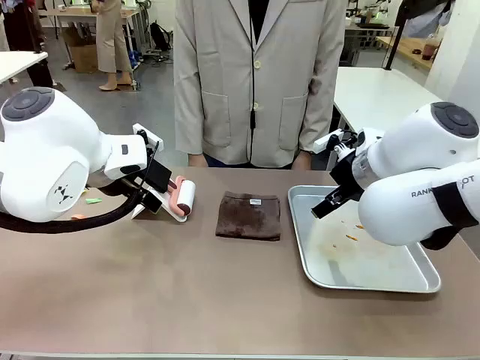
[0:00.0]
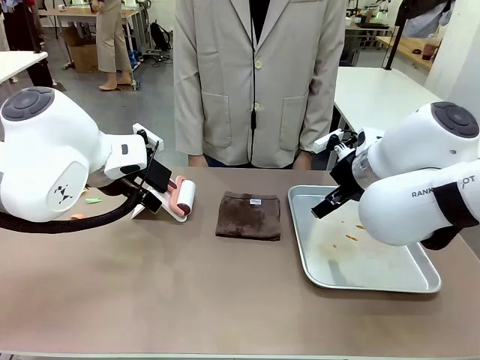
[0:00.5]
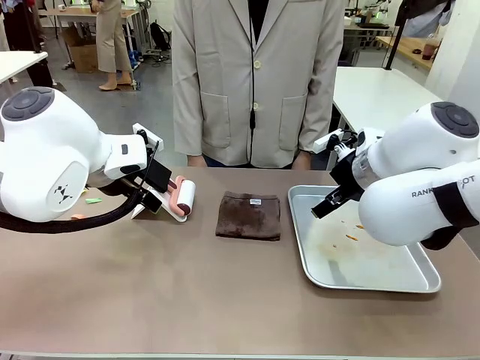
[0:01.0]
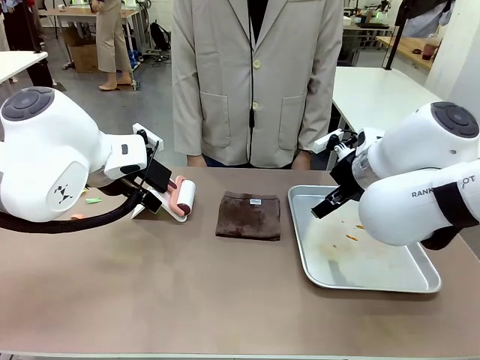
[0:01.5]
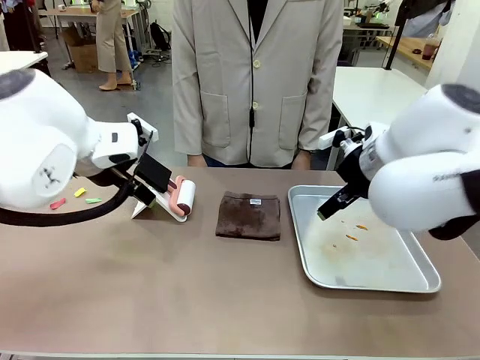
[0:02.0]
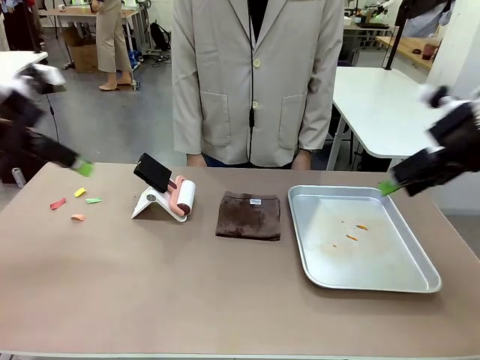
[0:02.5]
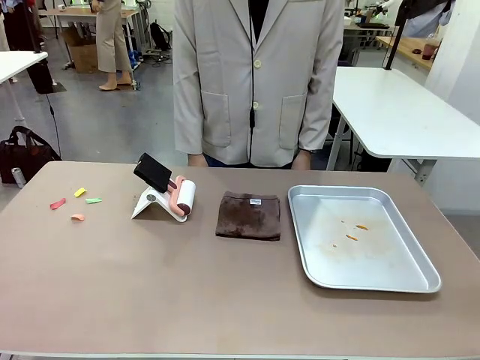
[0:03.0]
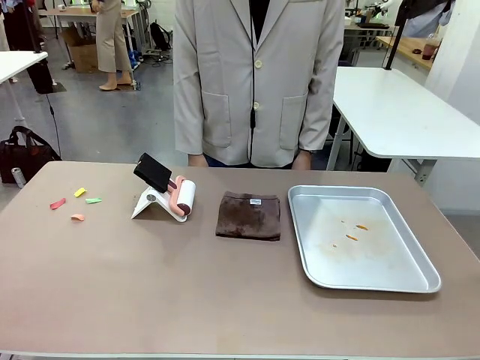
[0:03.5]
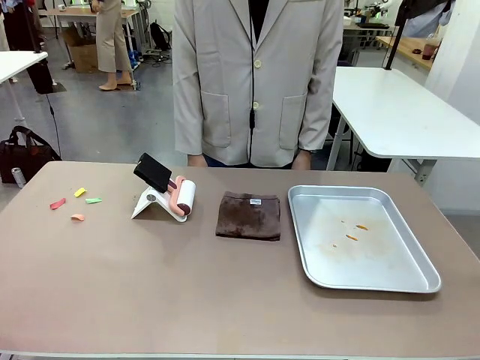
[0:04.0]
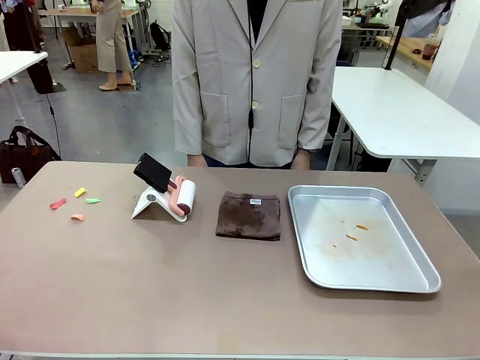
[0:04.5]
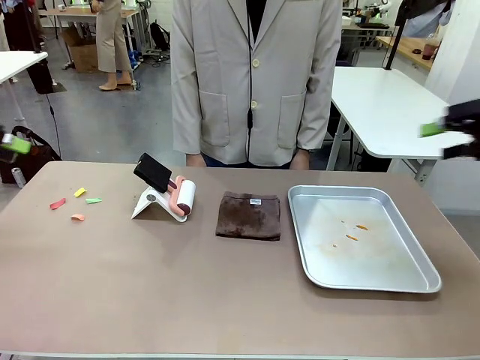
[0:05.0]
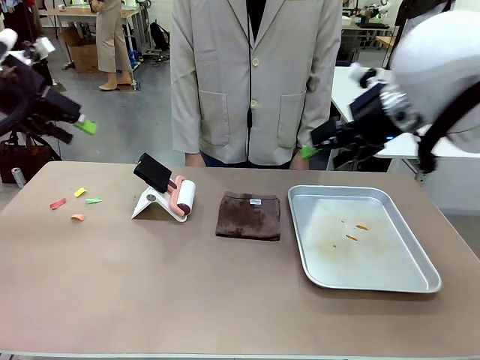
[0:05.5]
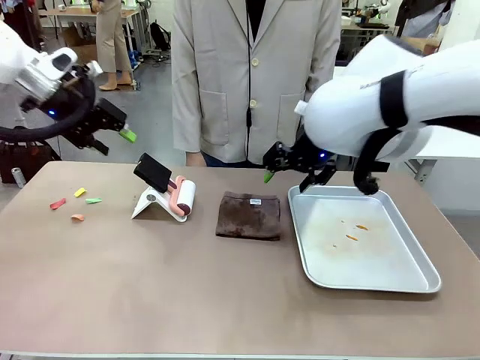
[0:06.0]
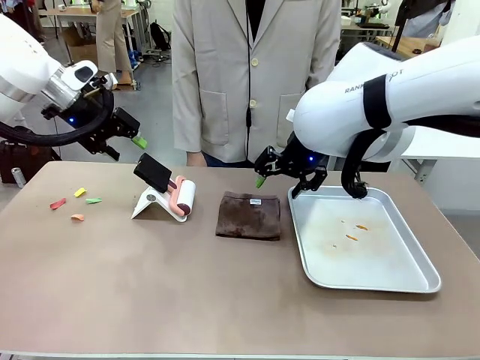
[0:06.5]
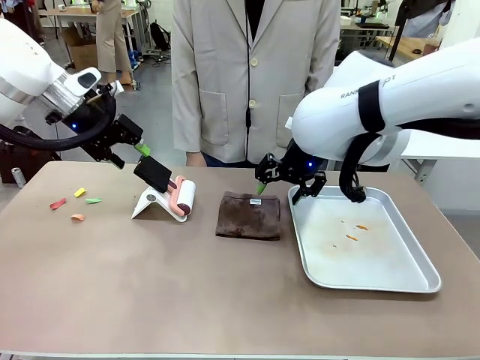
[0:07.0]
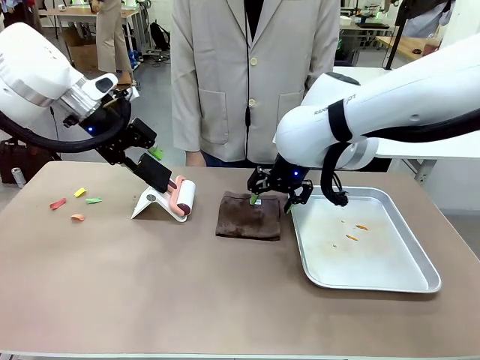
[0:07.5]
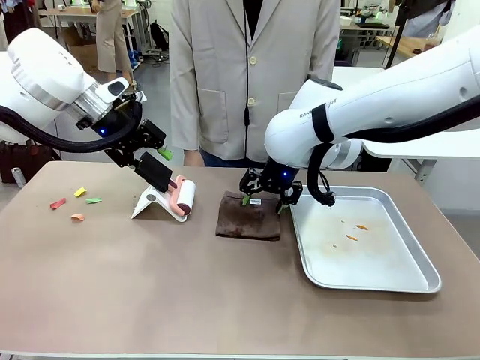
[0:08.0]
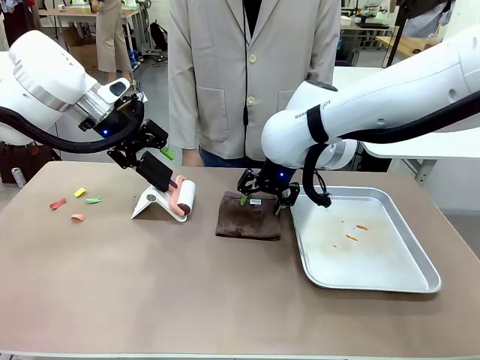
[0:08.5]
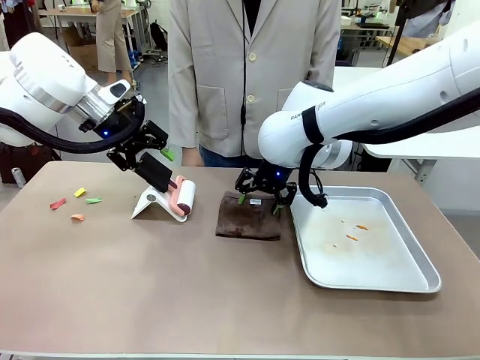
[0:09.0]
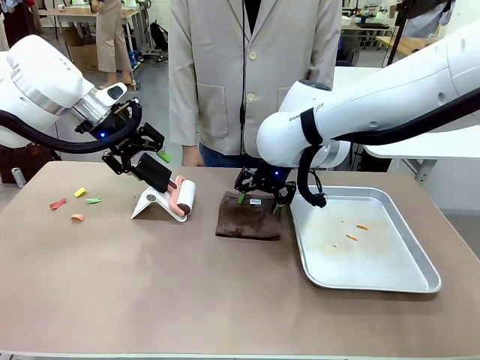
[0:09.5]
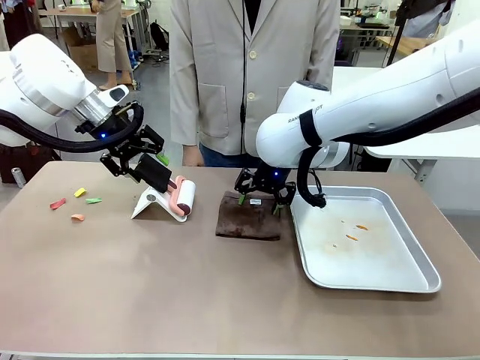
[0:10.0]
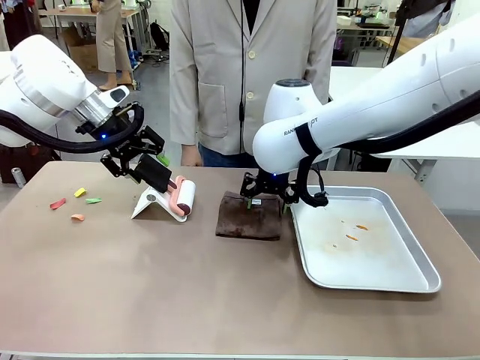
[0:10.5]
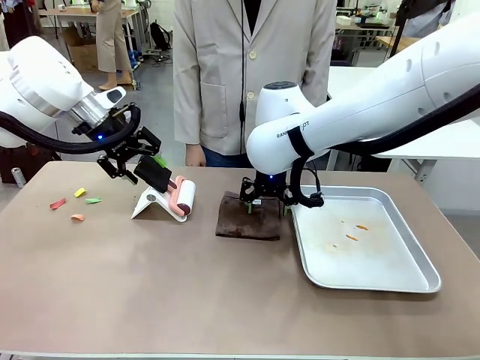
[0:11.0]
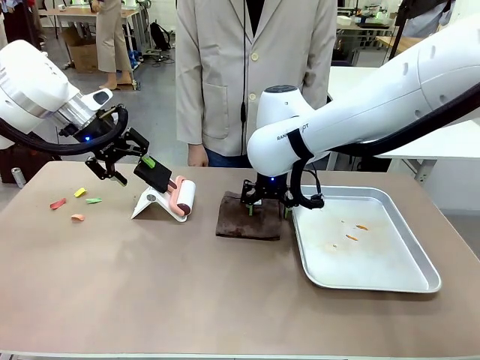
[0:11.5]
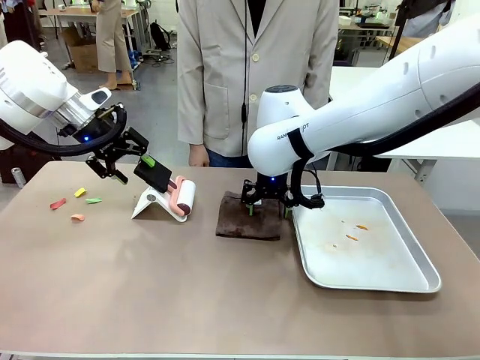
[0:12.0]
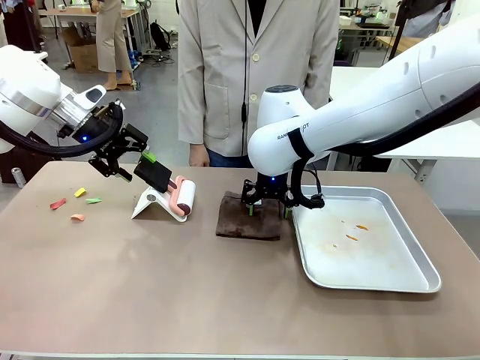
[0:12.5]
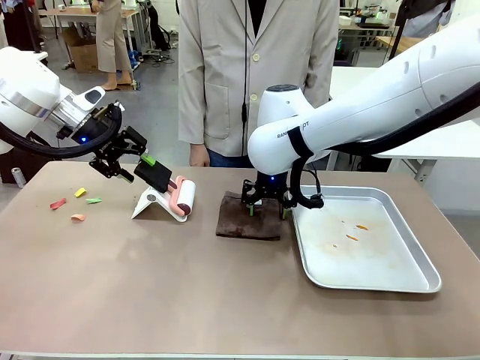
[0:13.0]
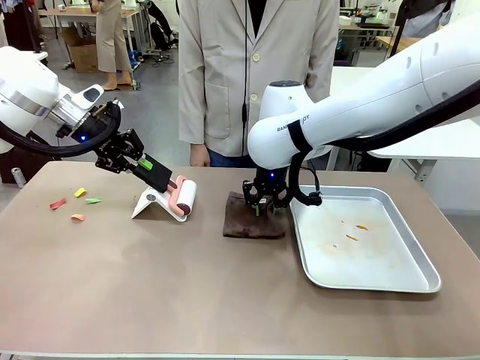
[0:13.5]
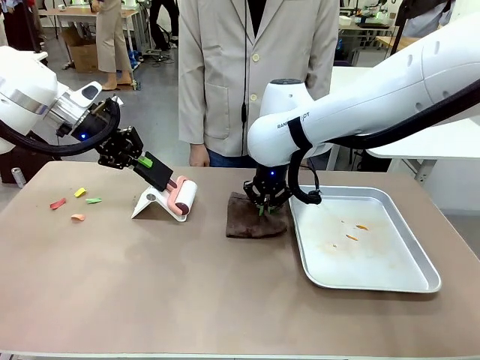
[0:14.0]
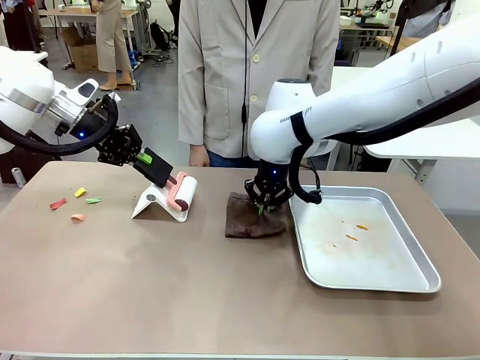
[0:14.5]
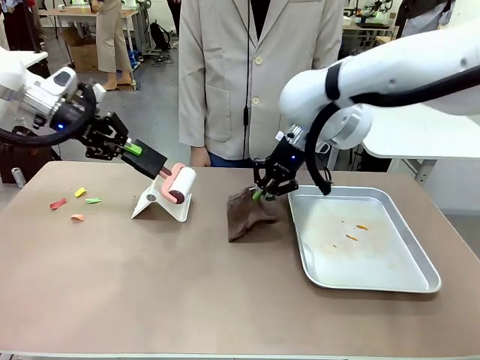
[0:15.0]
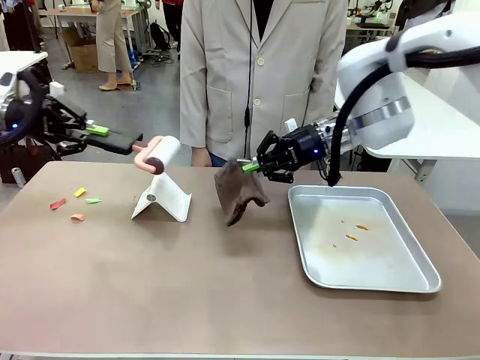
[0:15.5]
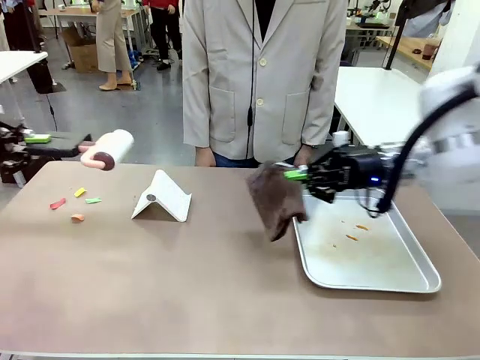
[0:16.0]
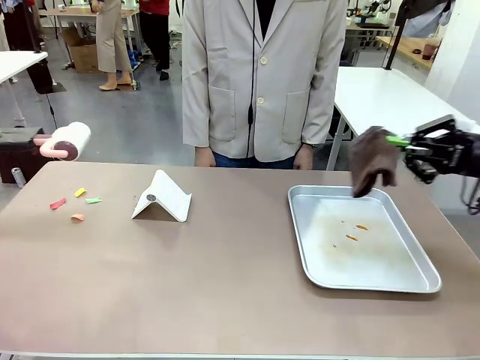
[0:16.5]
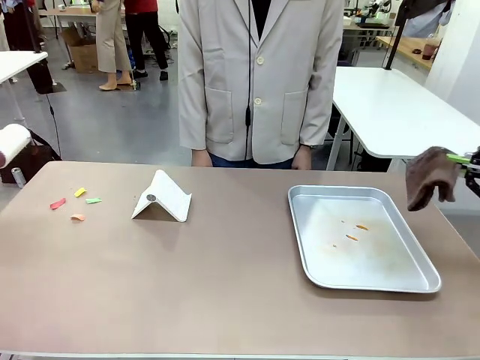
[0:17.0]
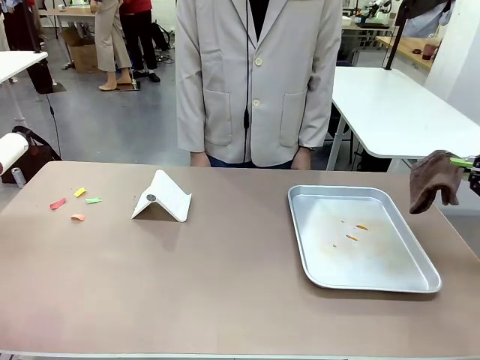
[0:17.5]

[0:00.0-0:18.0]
Task: Clean the surface of the table.
Robot: Hold the Lint Roller with your left hand and the towel with your right hand.

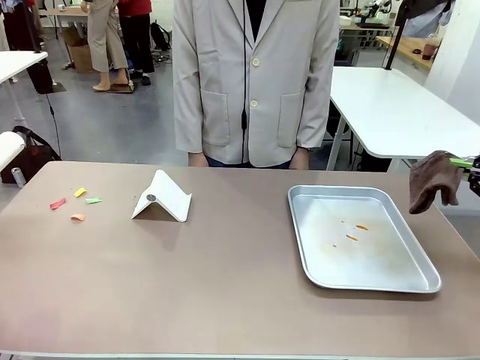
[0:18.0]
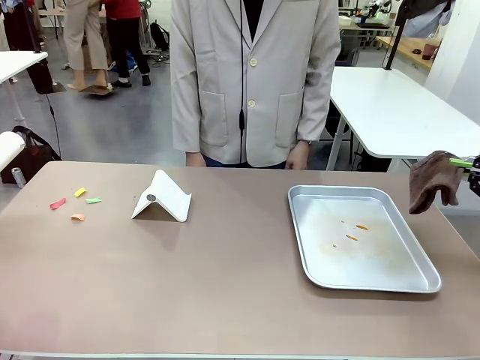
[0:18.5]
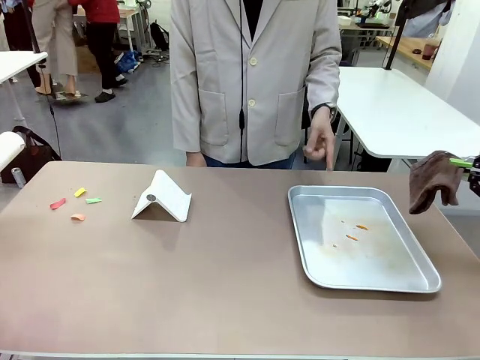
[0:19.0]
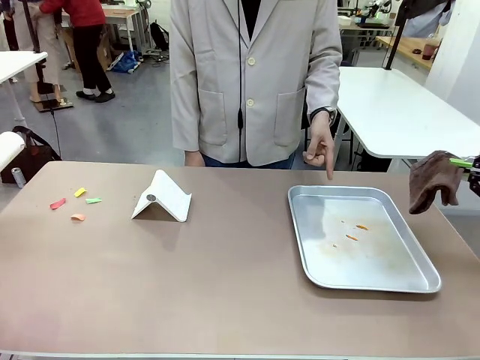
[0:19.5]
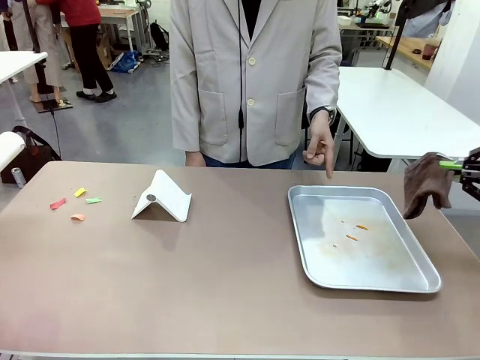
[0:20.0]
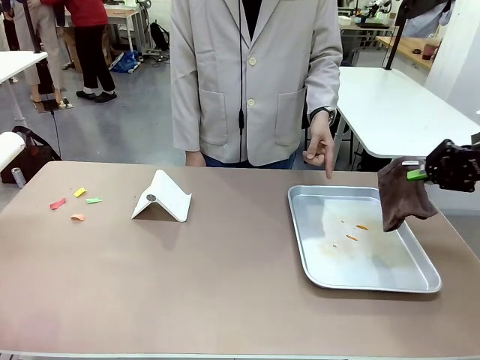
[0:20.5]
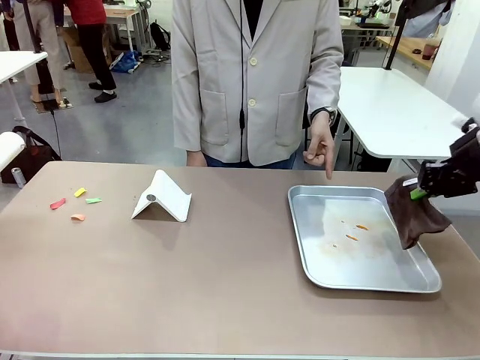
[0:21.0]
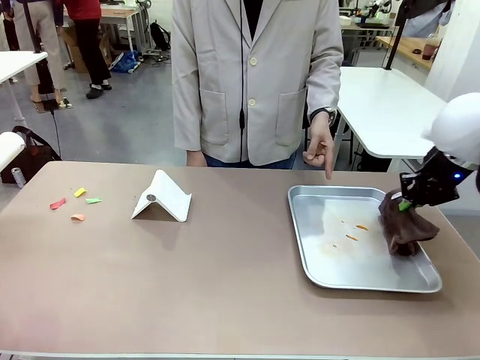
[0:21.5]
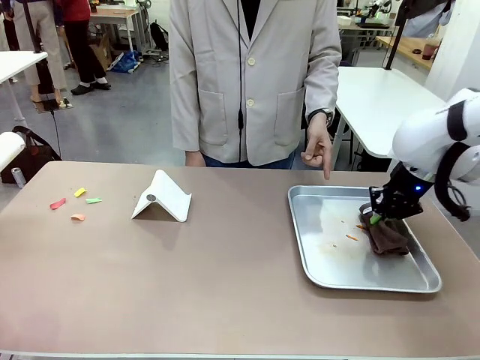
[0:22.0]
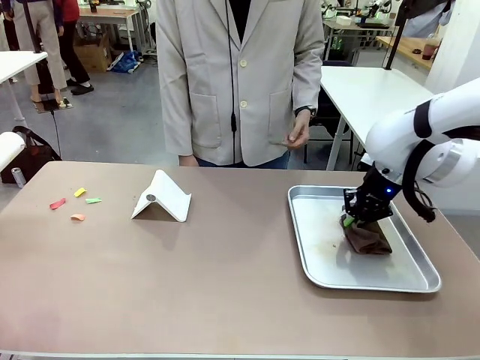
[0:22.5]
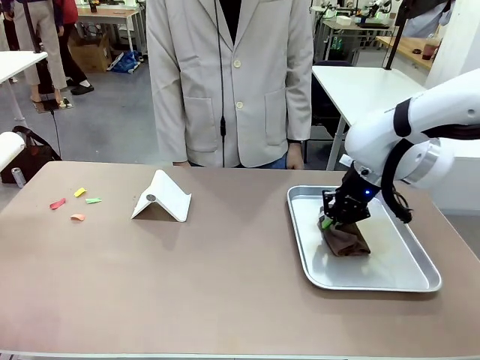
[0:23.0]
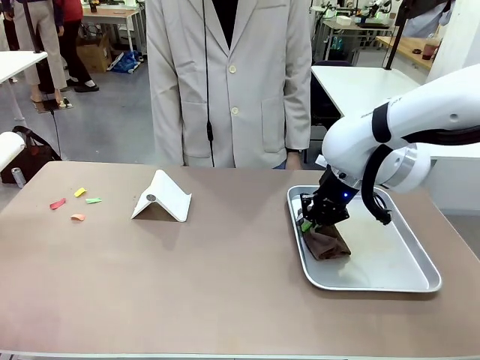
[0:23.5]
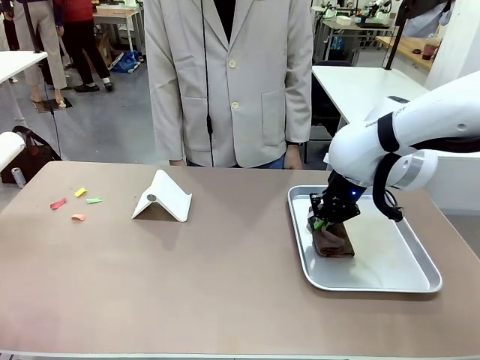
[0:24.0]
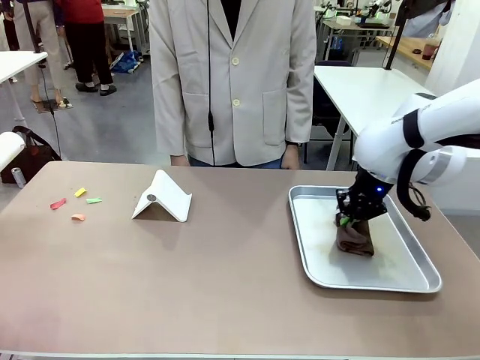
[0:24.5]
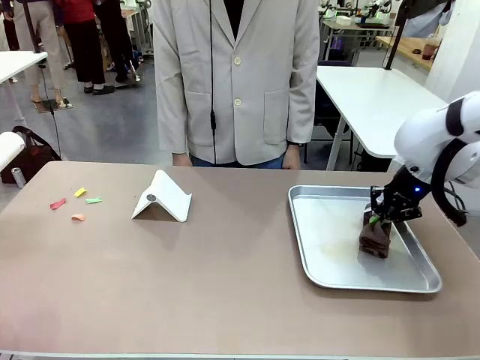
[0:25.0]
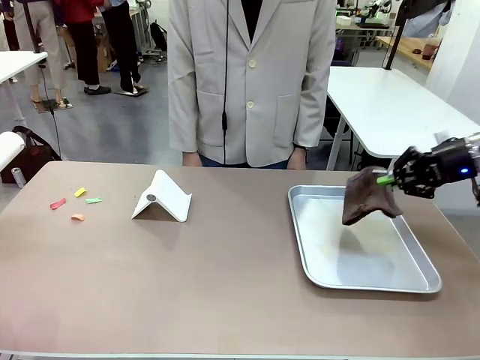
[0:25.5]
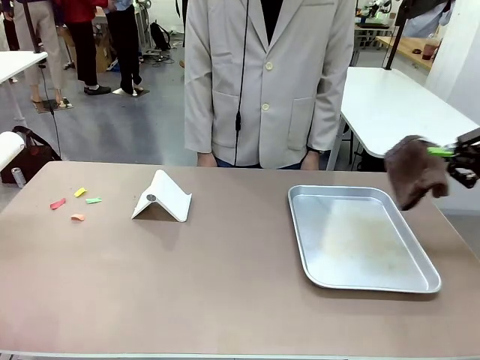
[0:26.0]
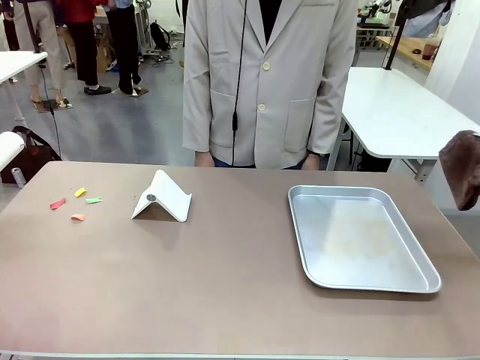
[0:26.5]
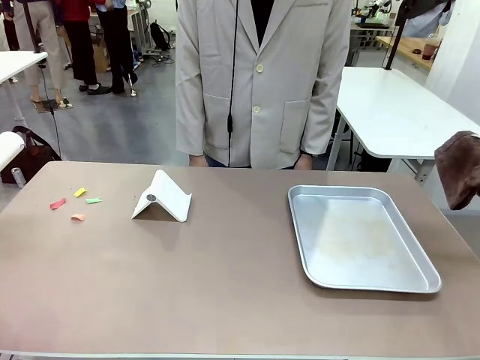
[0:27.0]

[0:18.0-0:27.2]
Robot: If a person points to the right, clean the right side of the table with your right hand, and if they point to the left, clean the left side with your left hand.
